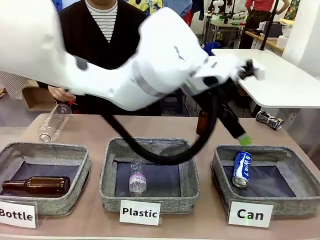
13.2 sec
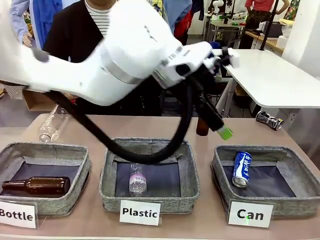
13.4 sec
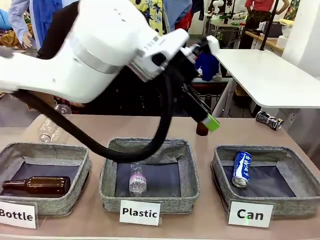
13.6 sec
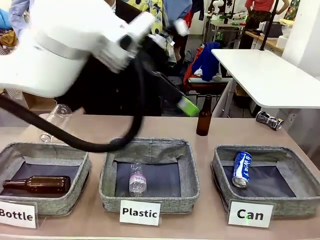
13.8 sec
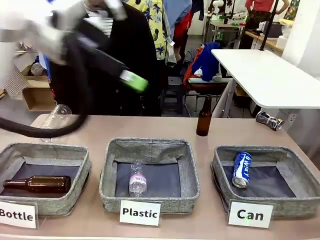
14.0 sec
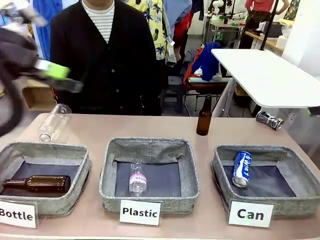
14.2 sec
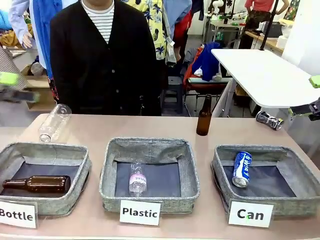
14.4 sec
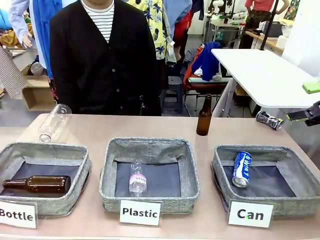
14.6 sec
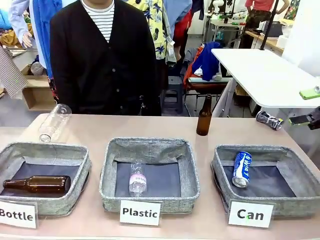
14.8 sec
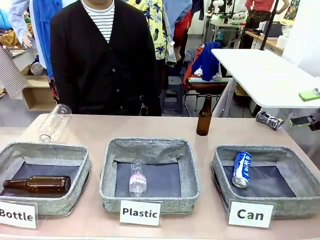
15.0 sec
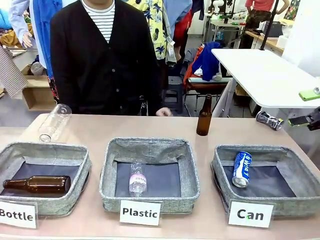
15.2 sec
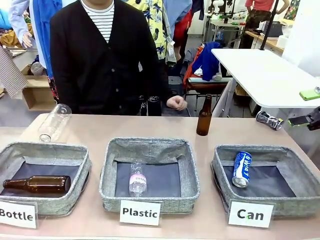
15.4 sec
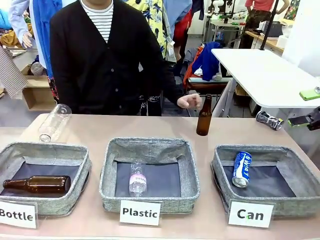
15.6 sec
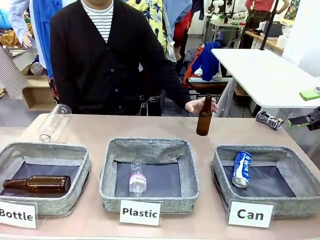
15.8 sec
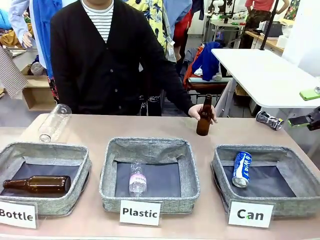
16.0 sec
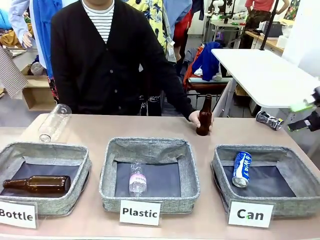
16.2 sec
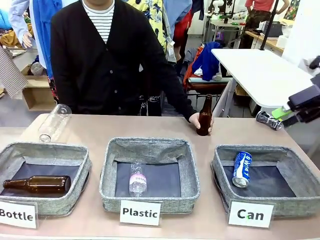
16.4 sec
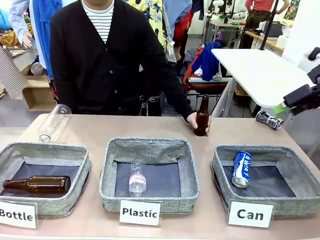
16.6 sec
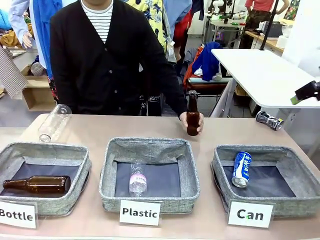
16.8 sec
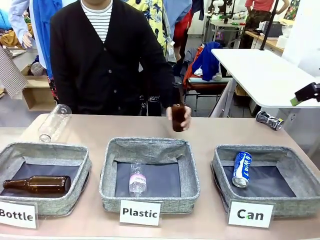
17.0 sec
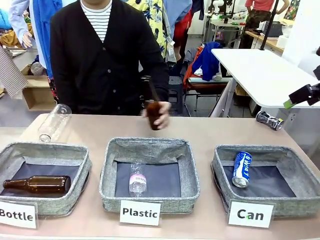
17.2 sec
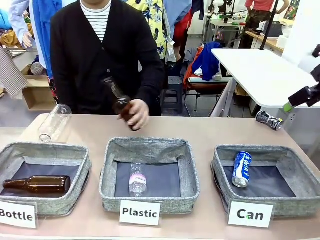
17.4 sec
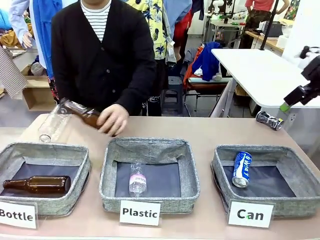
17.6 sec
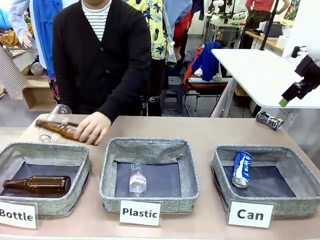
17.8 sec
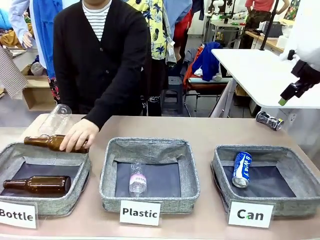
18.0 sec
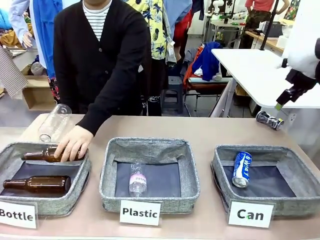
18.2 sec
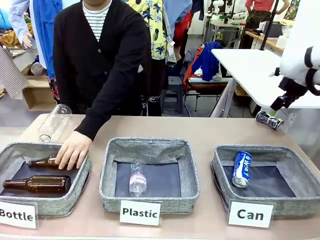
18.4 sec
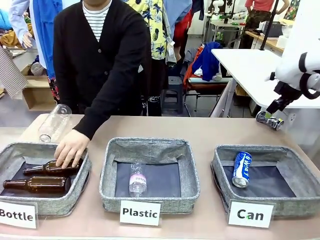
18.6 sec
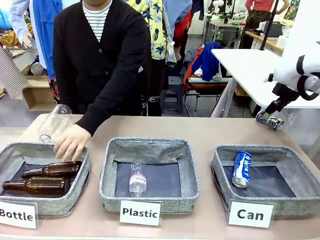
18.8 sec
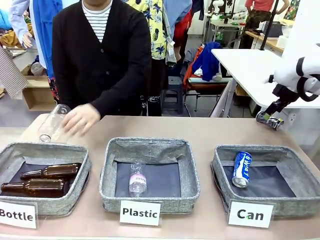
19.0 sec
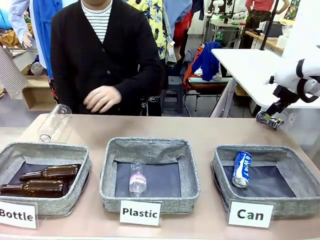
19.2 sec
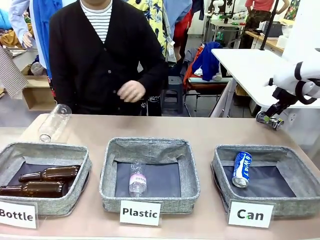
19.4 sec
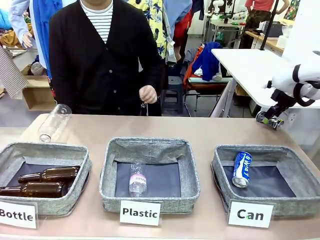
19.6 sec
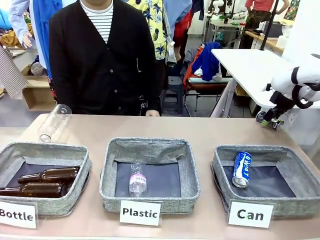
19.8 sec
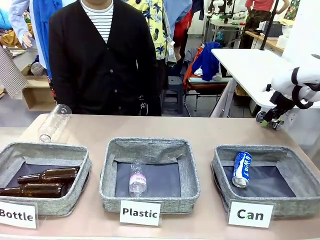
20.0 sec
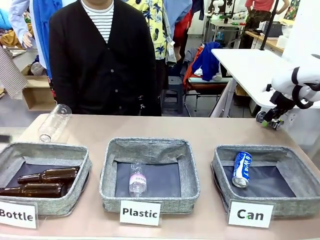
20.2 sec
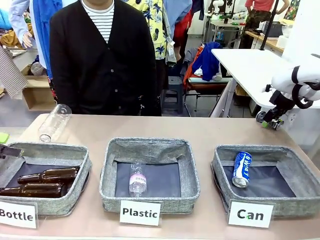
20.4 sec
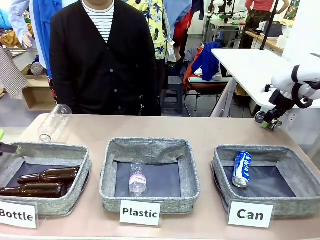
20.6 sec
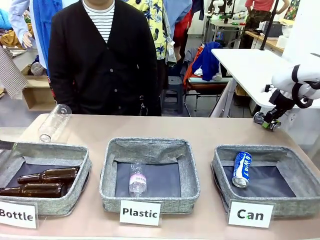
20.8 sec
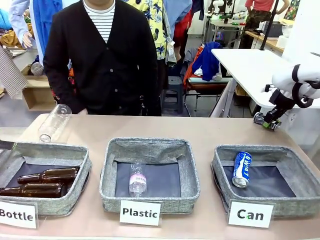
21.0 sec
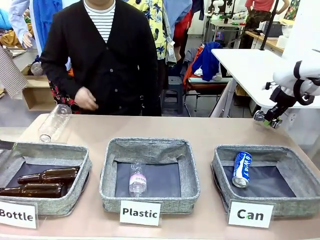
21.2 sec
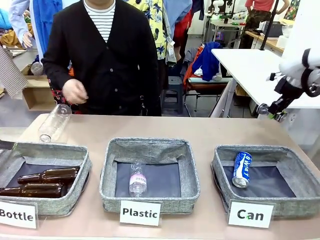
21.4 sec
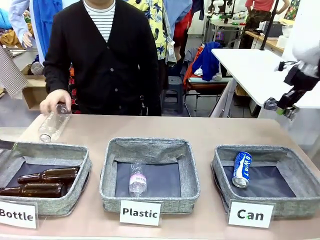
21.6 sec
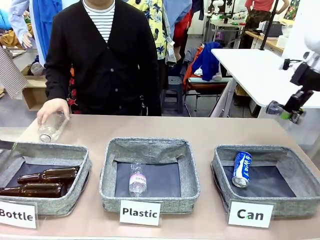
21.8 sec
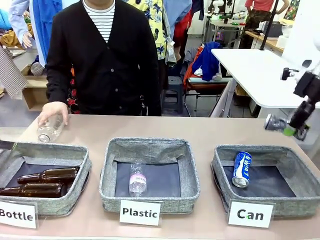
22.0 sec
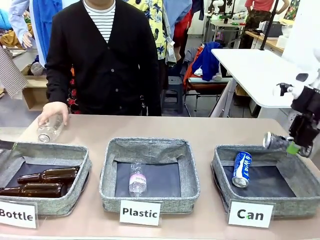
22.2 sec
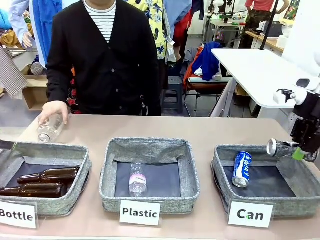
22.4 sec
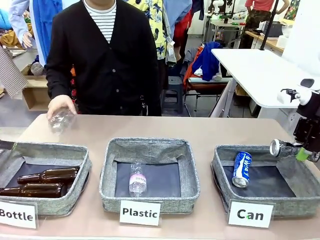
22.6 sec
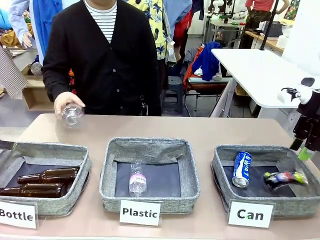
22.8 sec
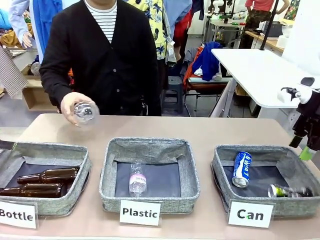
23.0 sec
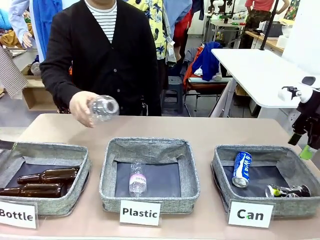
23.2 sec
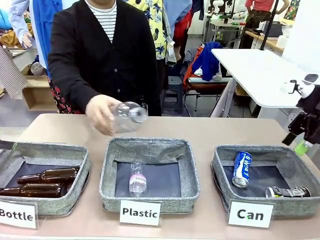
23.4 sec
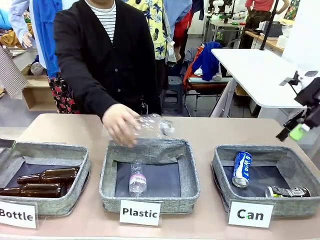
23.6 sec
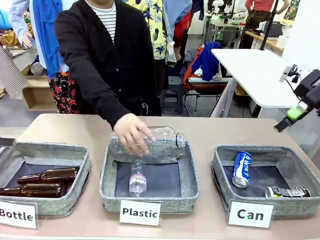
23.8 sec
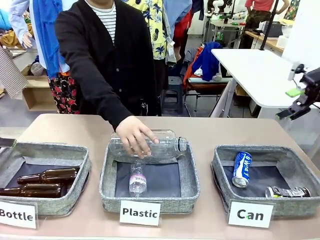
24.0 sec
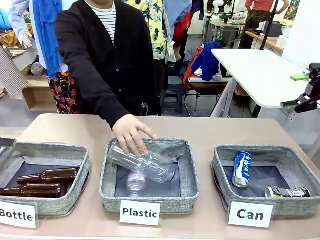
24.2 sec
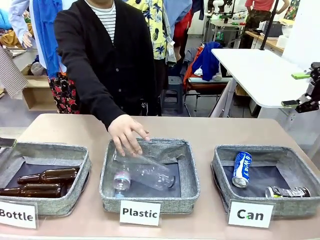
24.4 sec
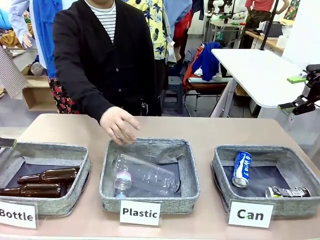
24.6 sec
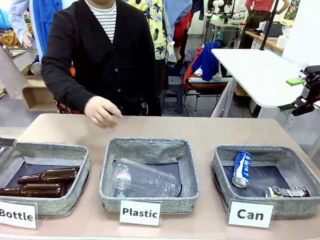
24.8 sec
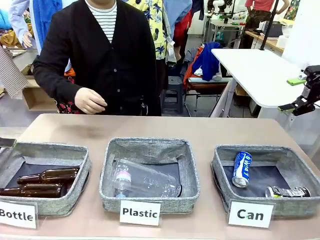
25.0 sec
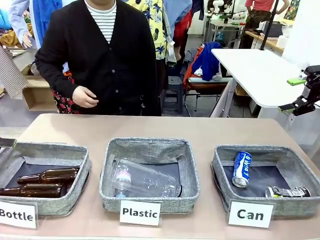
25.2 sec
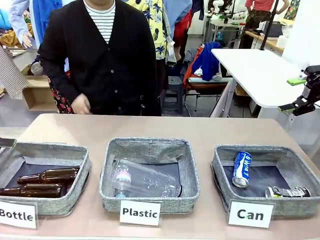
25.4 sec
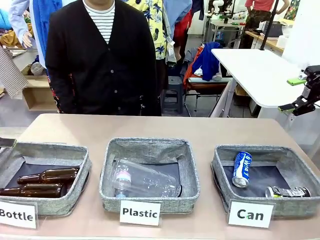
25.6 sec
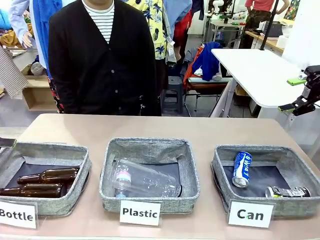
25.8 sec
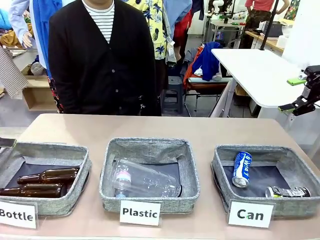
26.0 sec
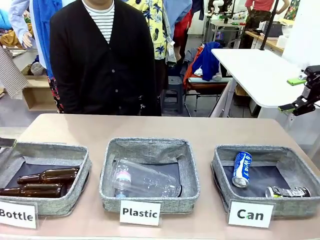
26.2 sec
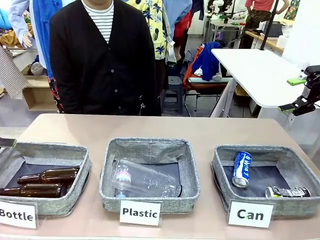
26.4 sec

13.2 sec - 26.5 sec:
Task: Sort the can waste into the basket.
Robot: Pick up the can waste from the table and place it in the right Fabric basket.
Person: The human picks up one piece of trash that is not a can and places the trash into the appropriate organizing basket.
